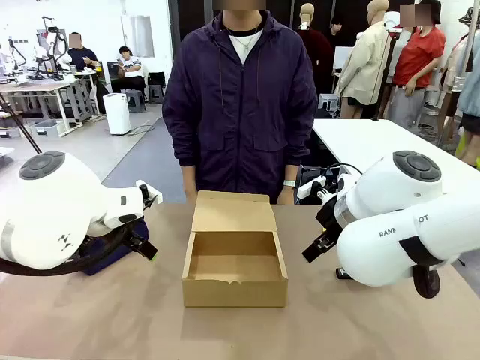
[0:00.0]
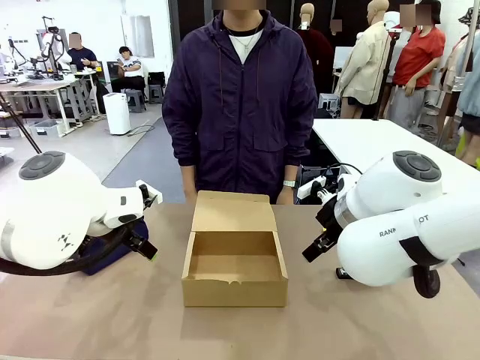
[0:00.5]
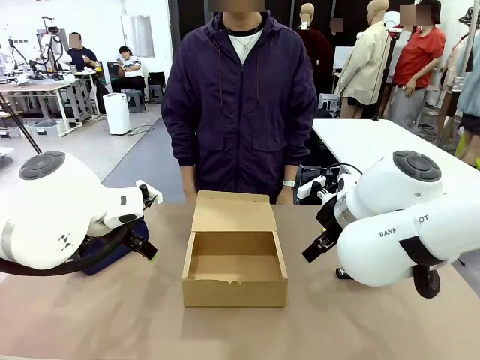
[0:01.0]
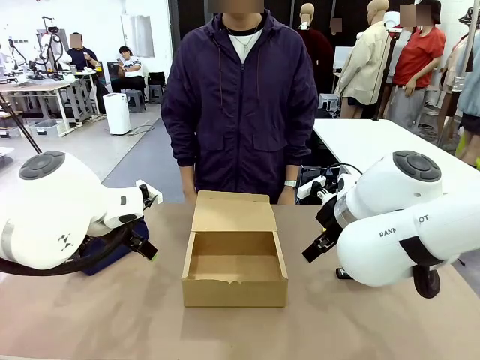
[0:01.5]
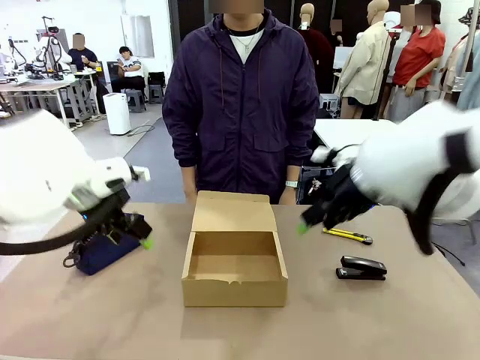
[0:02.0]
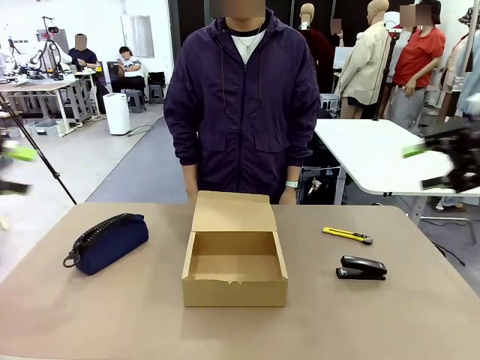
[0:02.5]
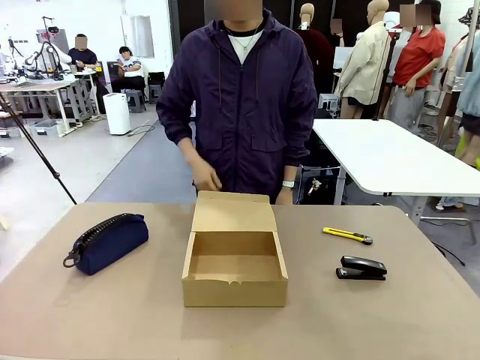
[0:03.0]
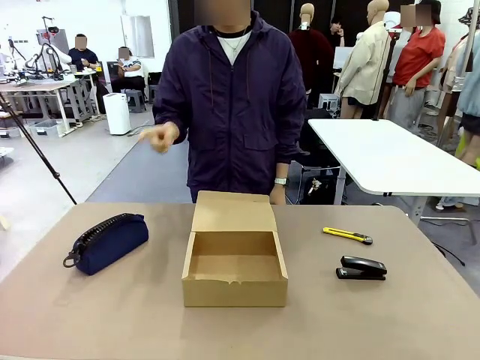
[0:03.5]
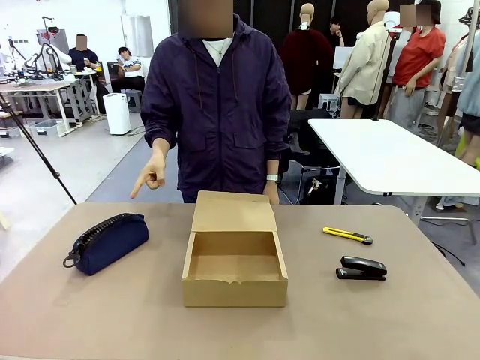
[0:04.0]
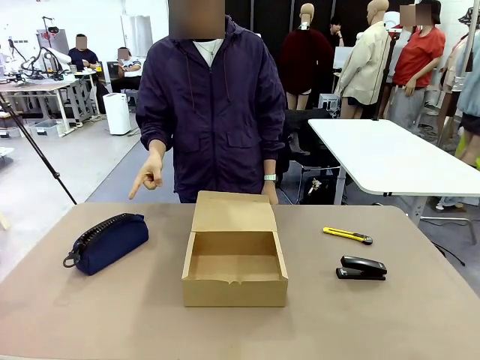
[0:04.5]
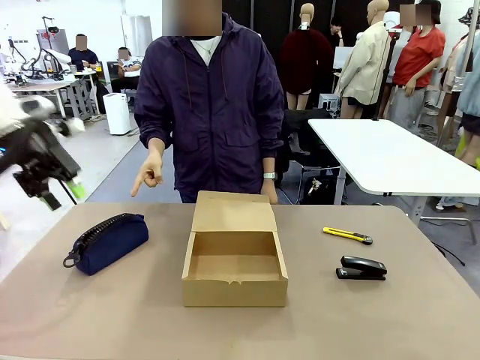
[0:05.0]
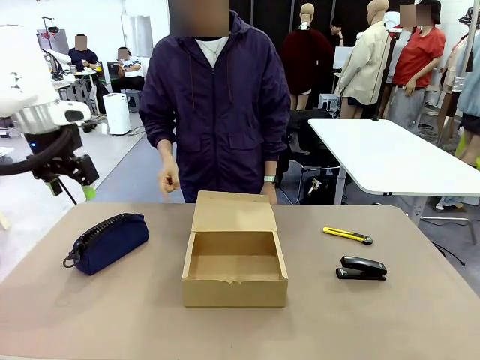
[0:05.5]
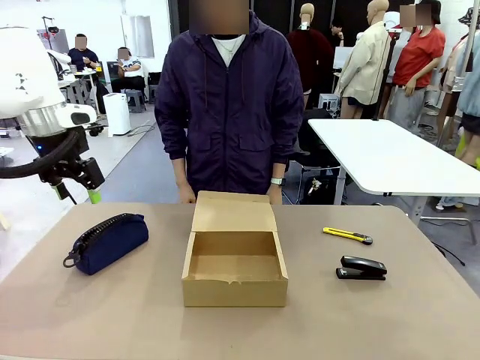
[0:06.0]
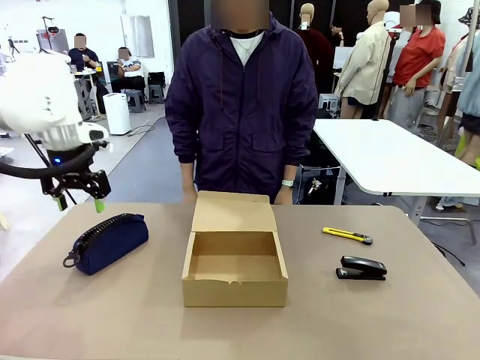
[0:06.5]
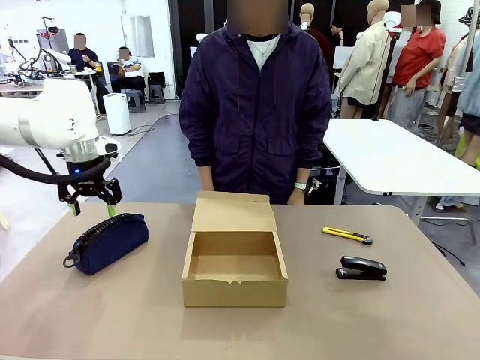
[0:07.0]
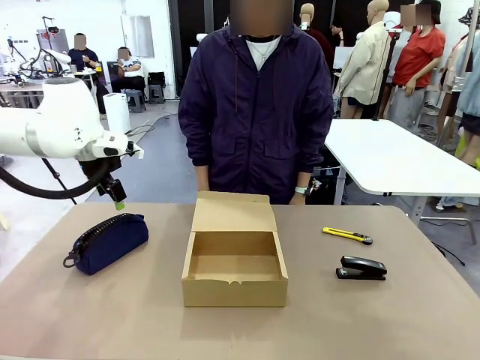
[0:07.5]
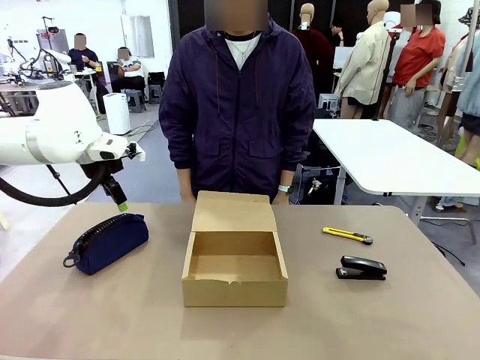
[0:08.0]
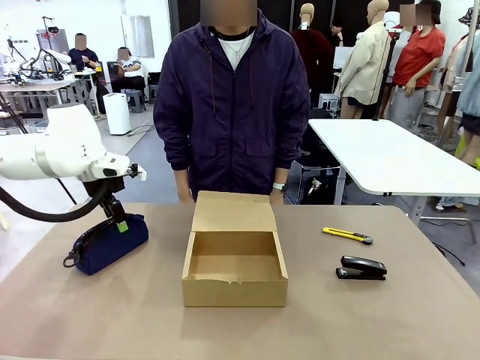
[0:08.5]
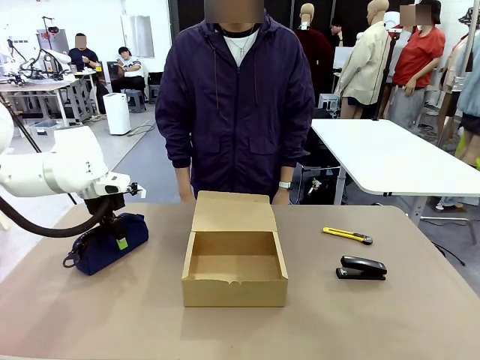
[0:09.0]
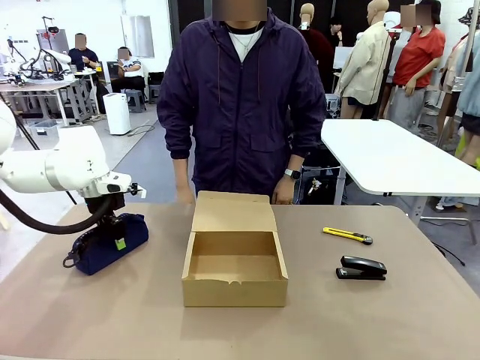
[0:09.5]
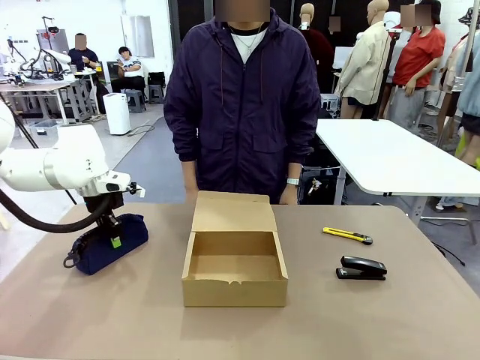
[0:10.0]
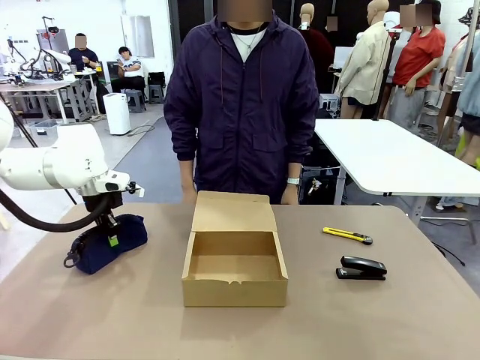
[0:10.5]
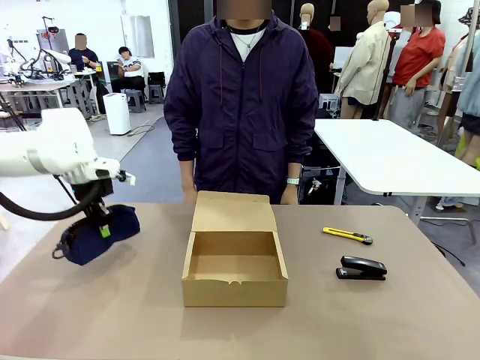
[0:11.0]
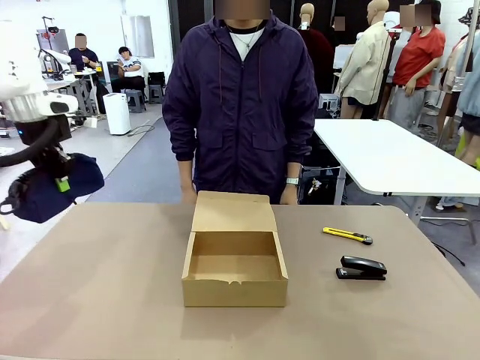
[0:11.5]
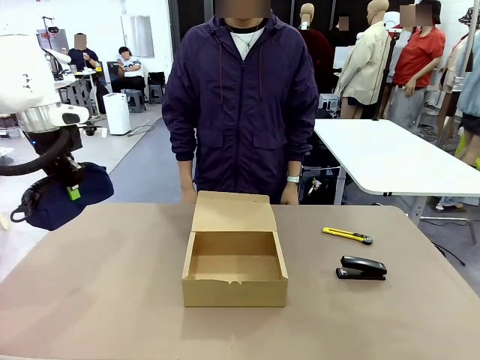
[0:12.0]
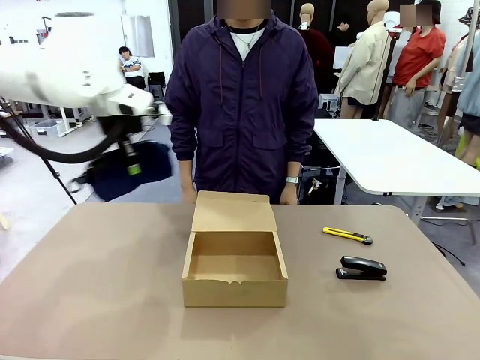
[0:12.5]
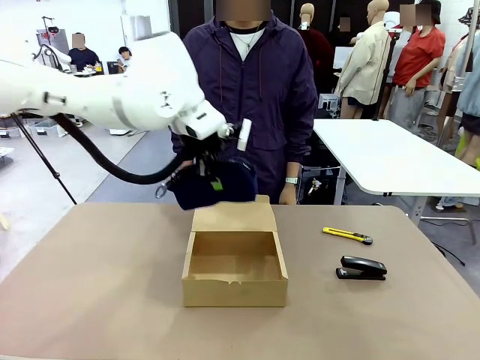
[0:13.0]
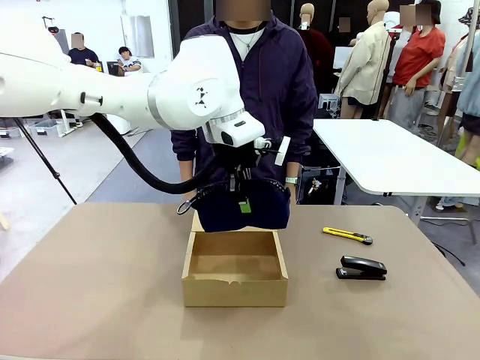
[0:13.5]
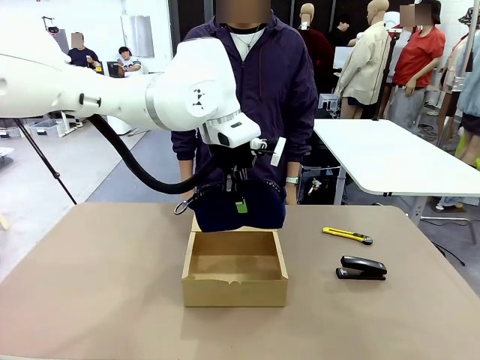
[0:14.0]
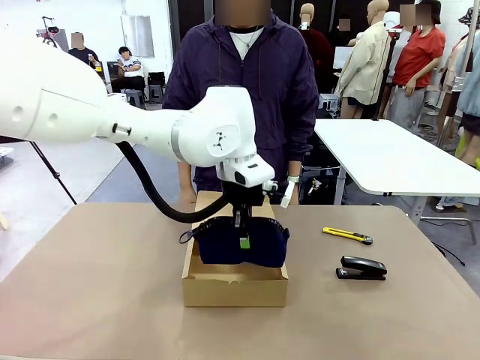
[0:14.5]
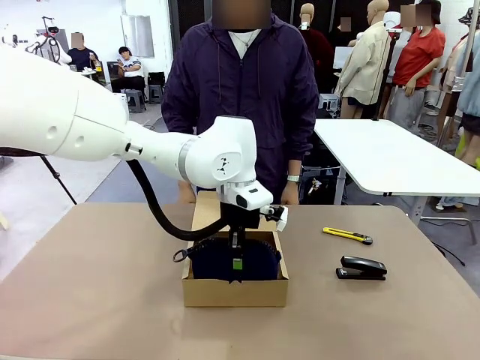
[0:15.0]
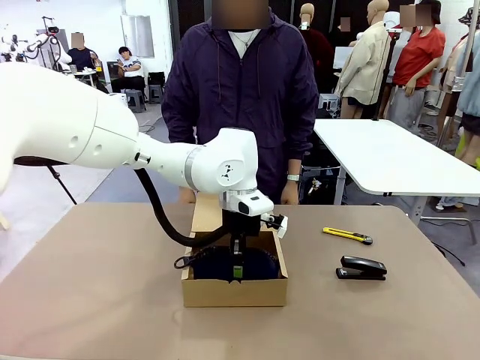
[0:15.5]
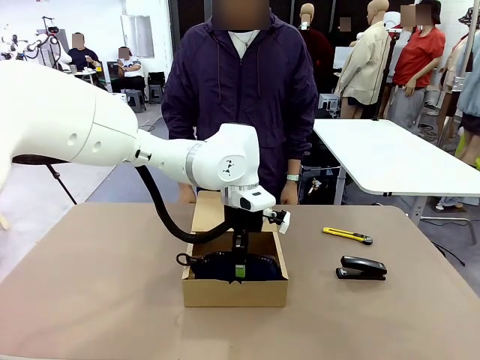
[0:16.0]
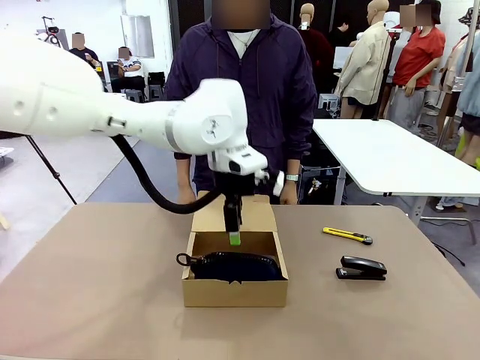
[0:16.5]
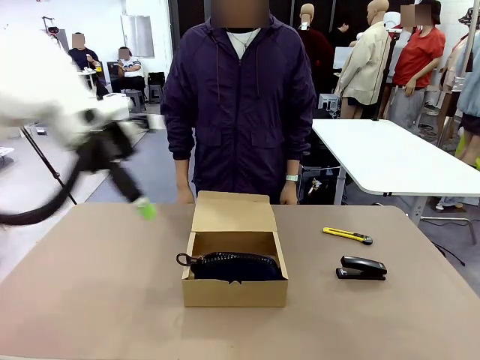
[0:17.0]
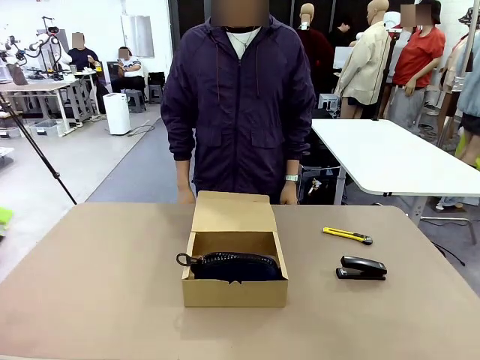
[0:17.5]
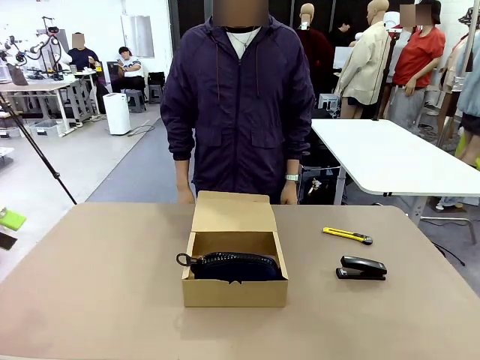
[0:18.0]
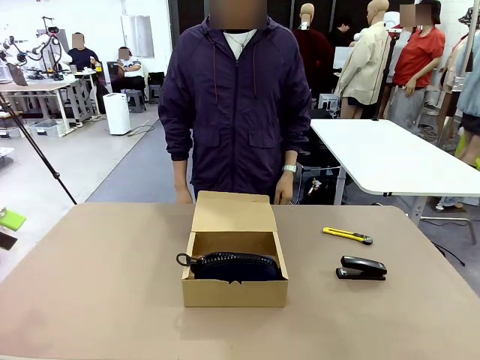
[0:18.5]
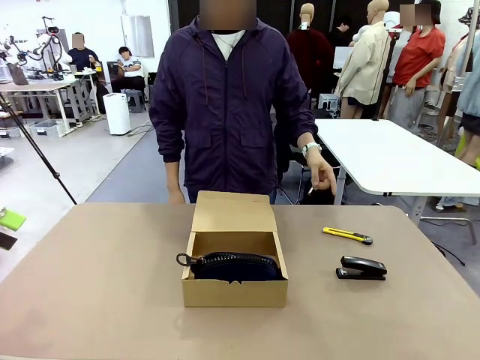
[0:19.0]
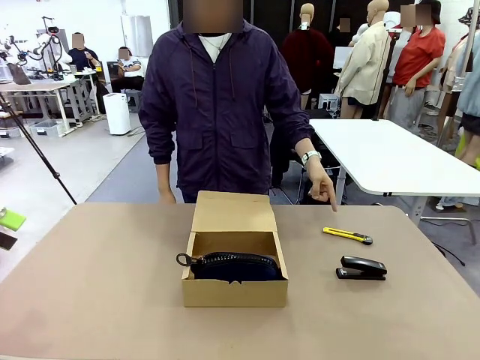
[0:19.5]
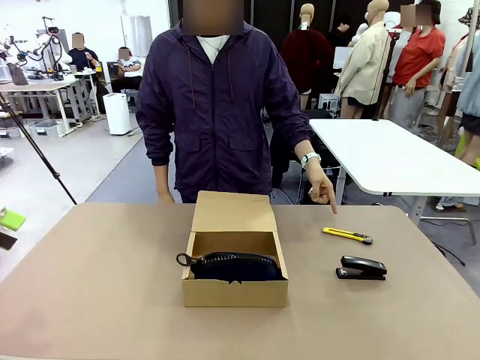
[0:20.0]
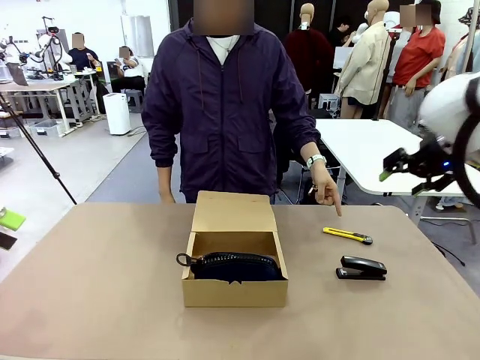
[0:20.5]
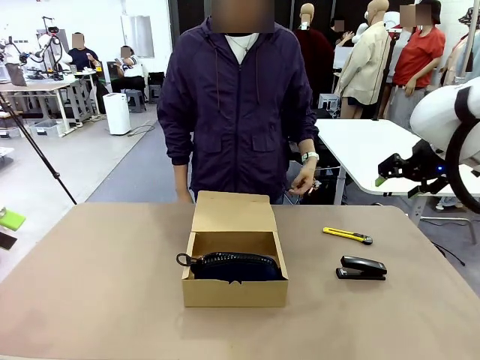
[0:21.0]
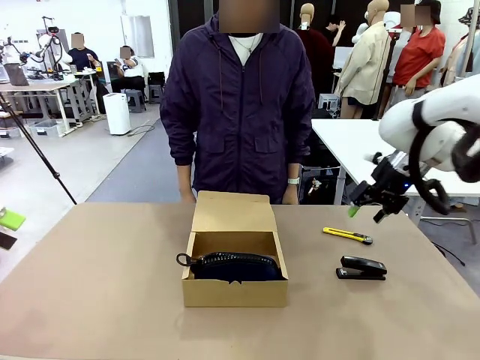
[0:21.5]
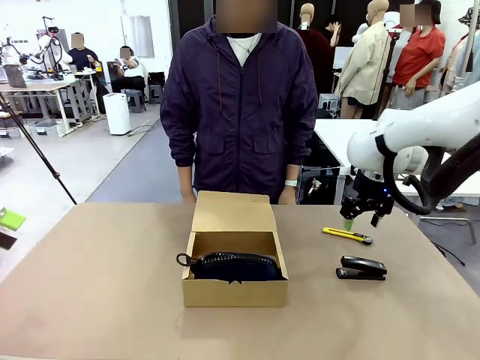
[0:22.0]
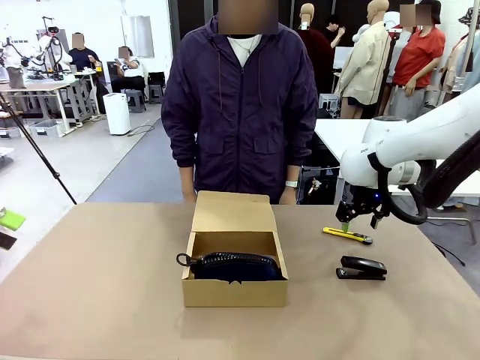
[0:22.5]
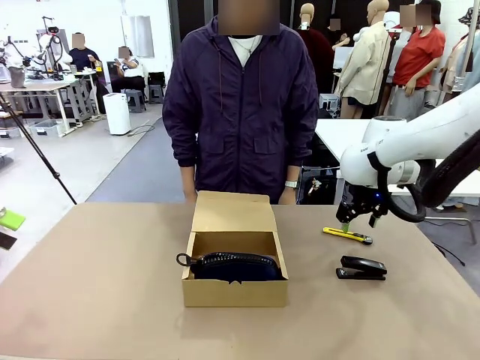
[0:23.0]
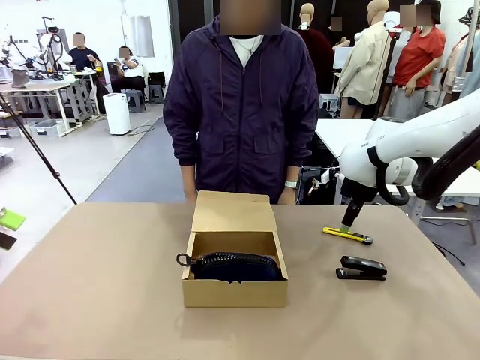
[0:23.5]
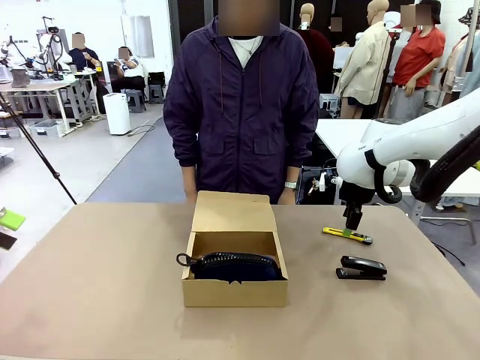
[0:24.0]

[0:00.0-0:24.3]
Task: Pack the items into the box.
Robot: Pick up the item indicated by the person and place it inside the Mailer Box.
Person: Point at one item on the table (excluding the box).
